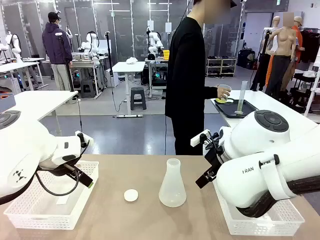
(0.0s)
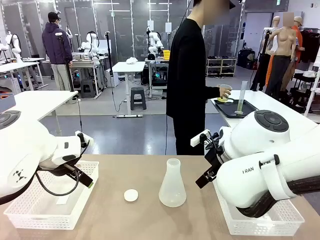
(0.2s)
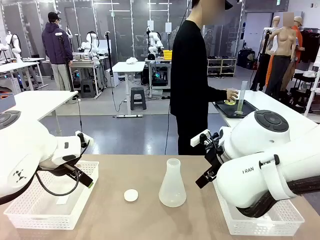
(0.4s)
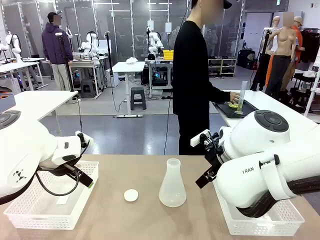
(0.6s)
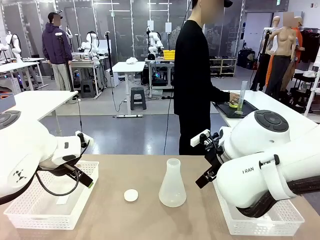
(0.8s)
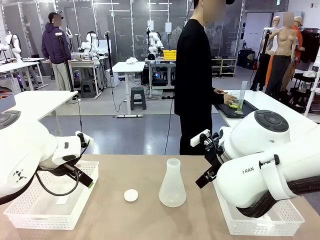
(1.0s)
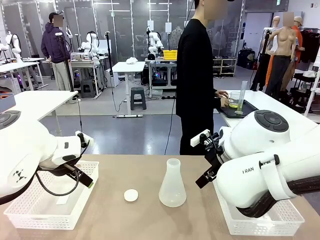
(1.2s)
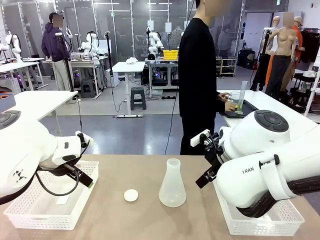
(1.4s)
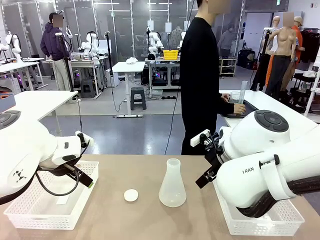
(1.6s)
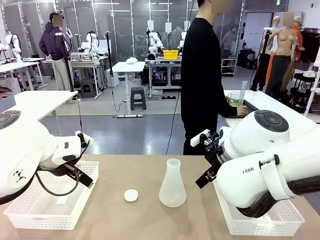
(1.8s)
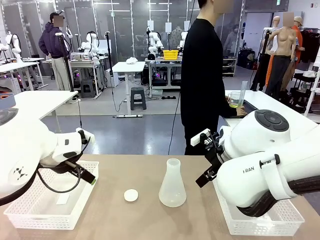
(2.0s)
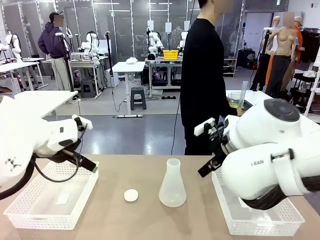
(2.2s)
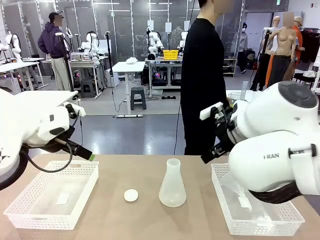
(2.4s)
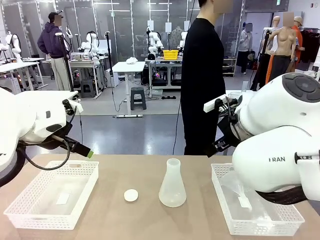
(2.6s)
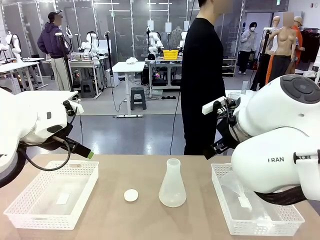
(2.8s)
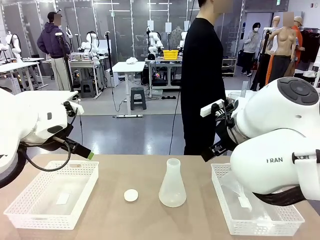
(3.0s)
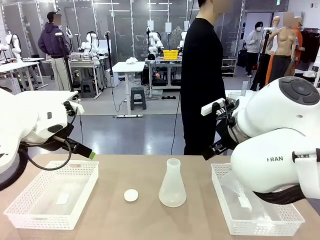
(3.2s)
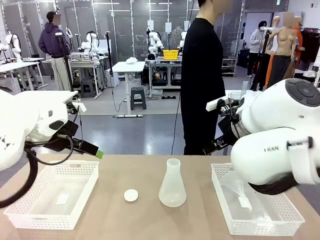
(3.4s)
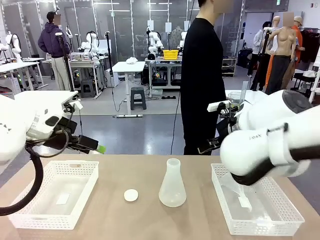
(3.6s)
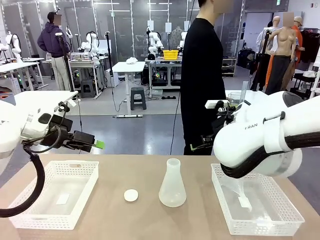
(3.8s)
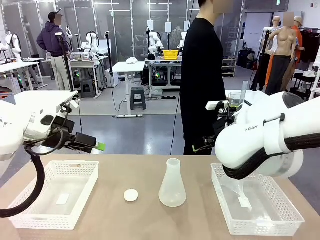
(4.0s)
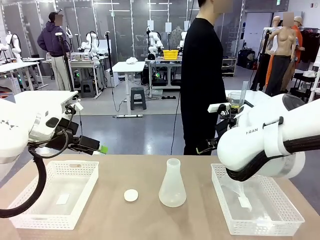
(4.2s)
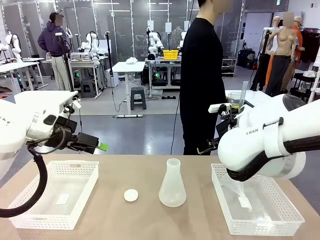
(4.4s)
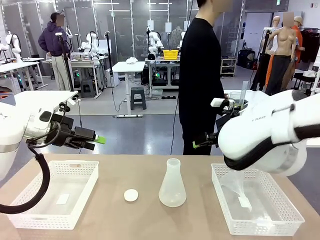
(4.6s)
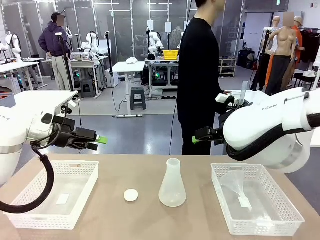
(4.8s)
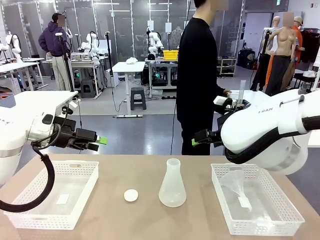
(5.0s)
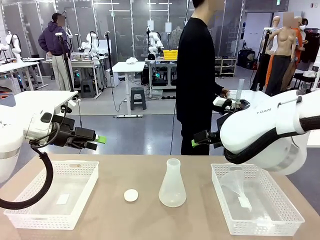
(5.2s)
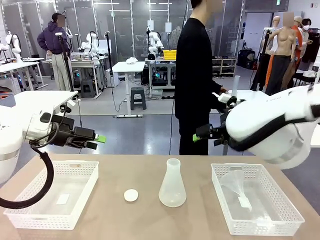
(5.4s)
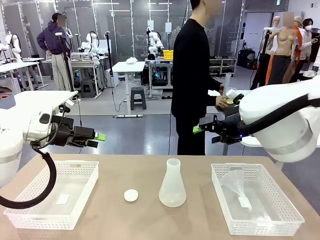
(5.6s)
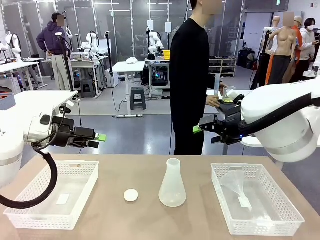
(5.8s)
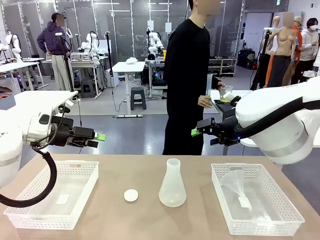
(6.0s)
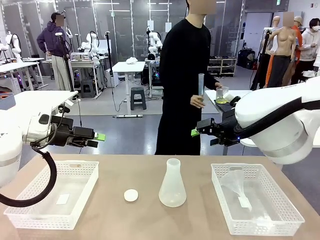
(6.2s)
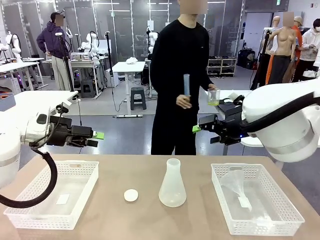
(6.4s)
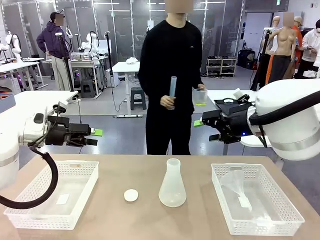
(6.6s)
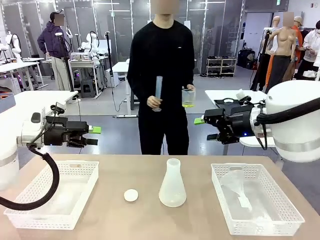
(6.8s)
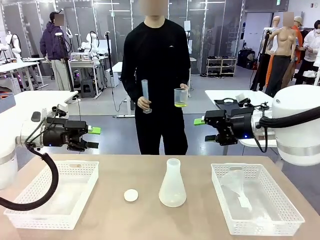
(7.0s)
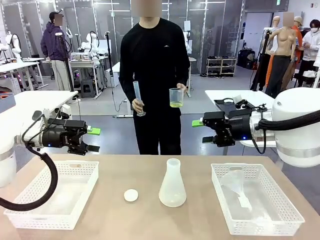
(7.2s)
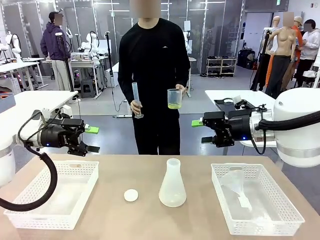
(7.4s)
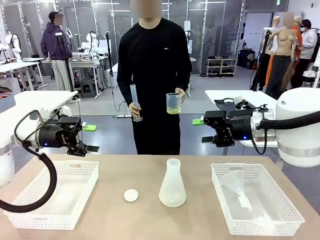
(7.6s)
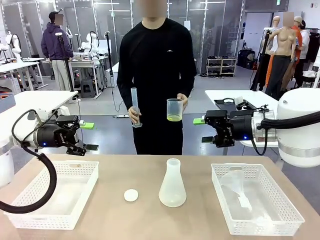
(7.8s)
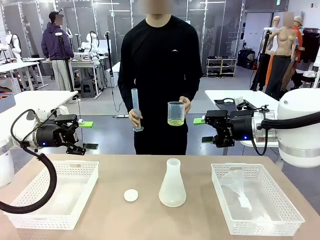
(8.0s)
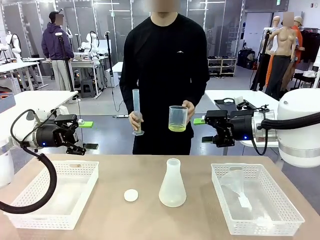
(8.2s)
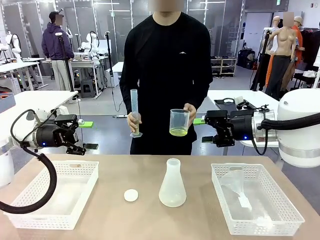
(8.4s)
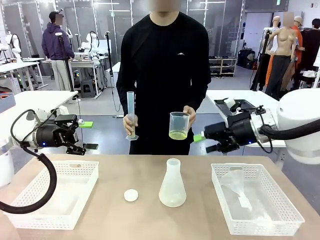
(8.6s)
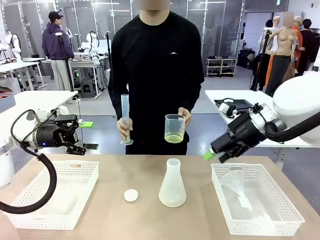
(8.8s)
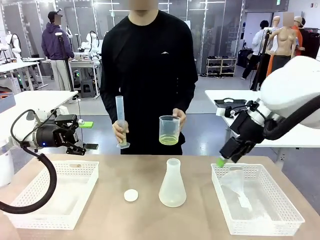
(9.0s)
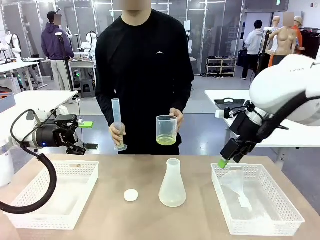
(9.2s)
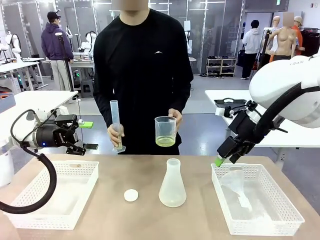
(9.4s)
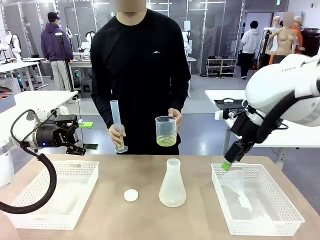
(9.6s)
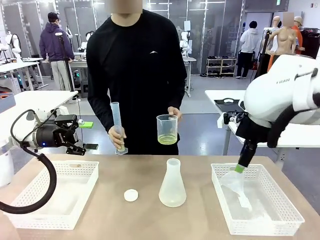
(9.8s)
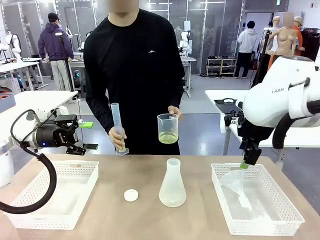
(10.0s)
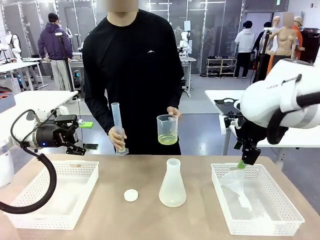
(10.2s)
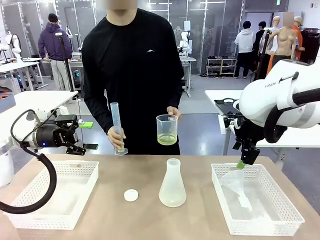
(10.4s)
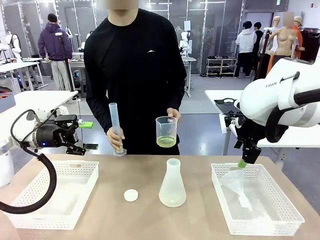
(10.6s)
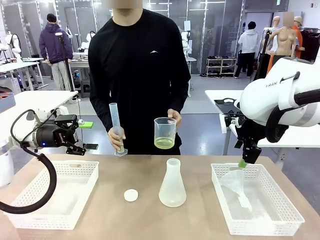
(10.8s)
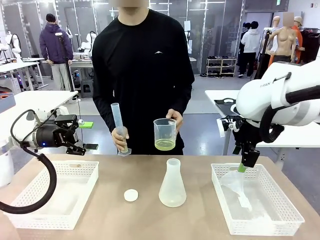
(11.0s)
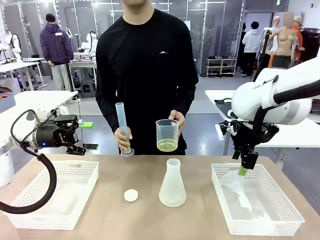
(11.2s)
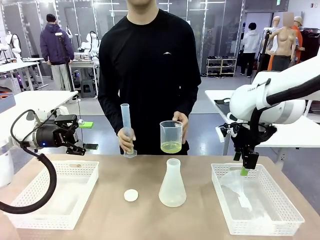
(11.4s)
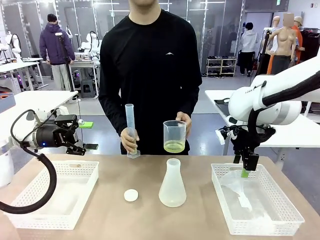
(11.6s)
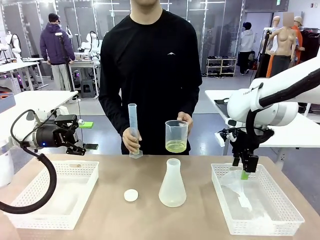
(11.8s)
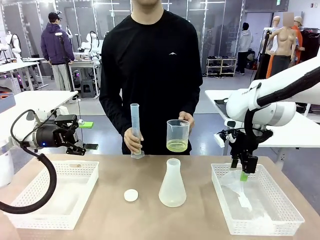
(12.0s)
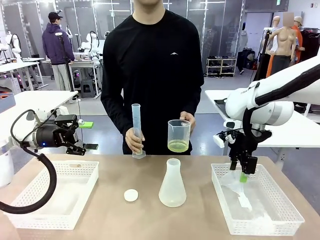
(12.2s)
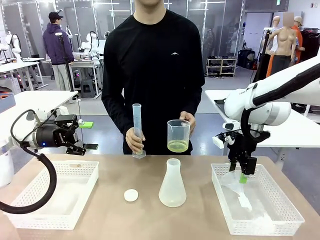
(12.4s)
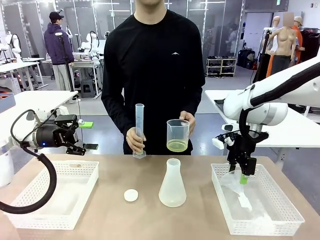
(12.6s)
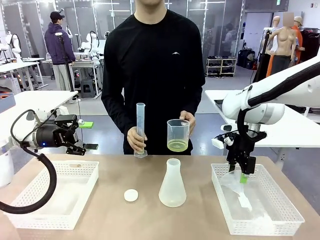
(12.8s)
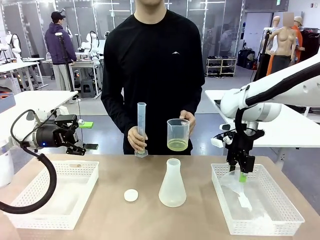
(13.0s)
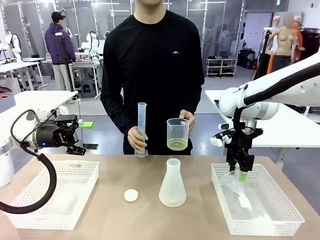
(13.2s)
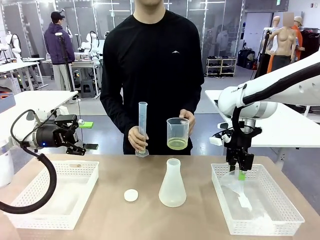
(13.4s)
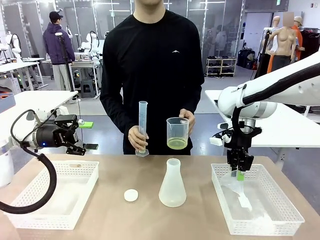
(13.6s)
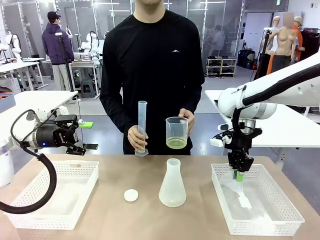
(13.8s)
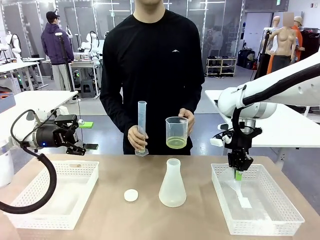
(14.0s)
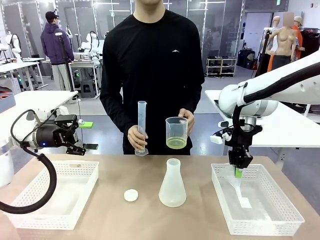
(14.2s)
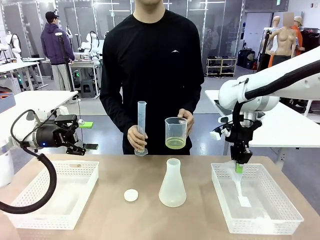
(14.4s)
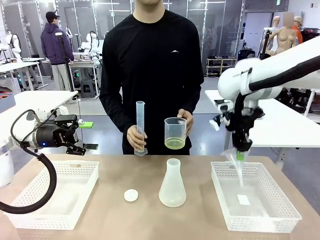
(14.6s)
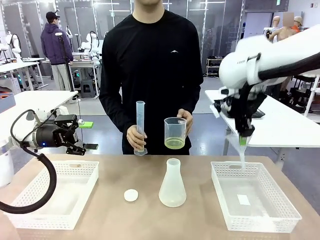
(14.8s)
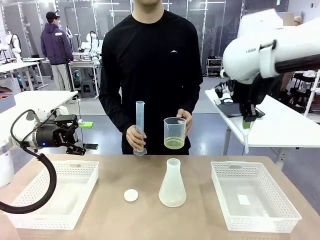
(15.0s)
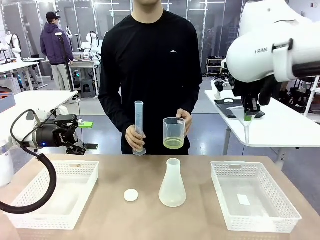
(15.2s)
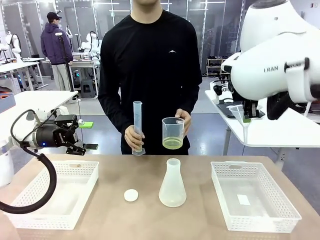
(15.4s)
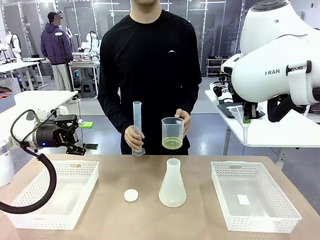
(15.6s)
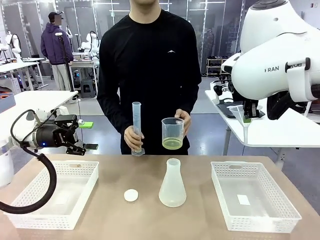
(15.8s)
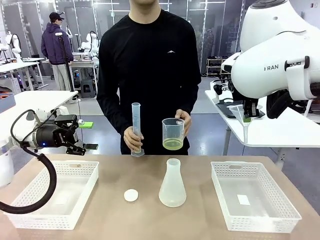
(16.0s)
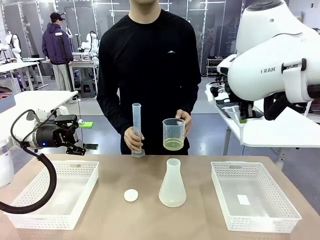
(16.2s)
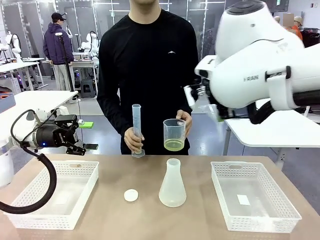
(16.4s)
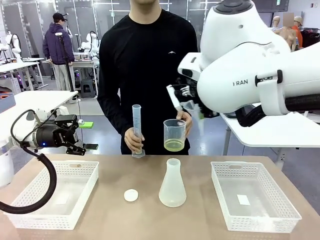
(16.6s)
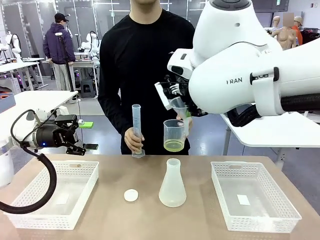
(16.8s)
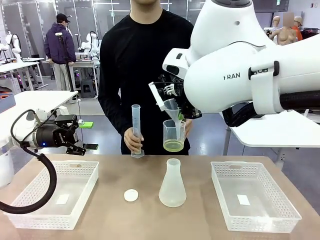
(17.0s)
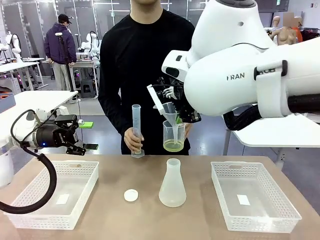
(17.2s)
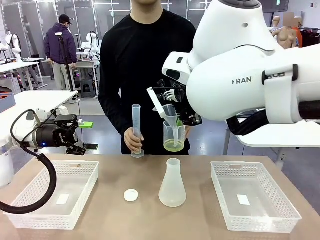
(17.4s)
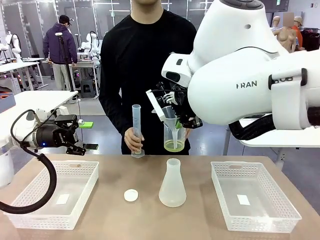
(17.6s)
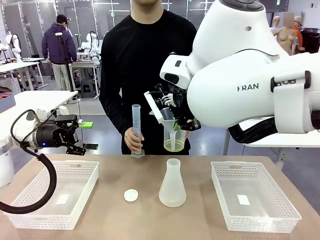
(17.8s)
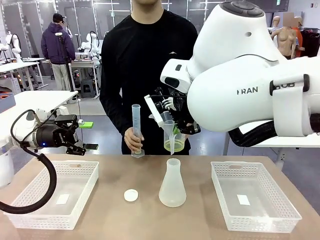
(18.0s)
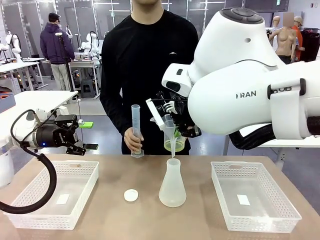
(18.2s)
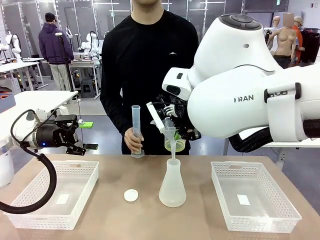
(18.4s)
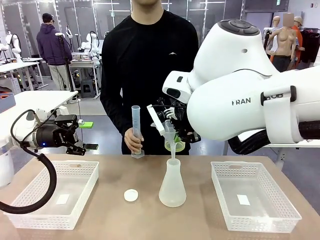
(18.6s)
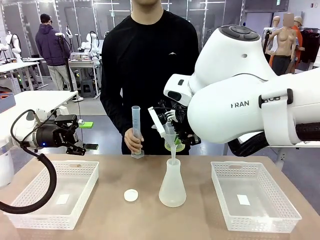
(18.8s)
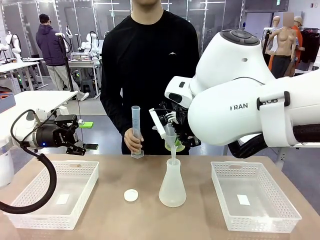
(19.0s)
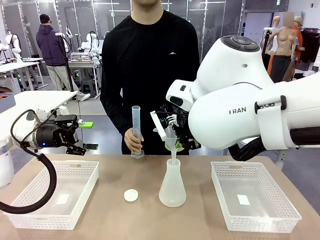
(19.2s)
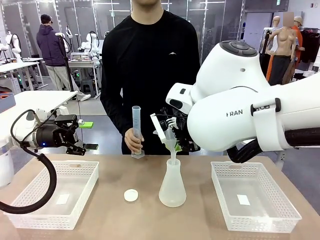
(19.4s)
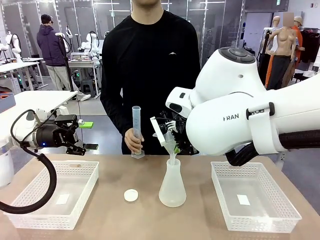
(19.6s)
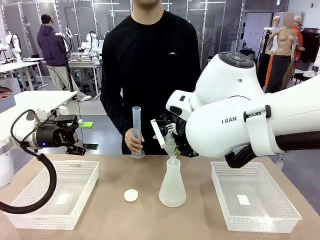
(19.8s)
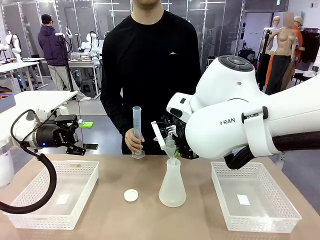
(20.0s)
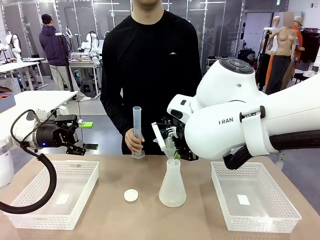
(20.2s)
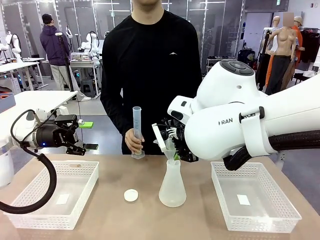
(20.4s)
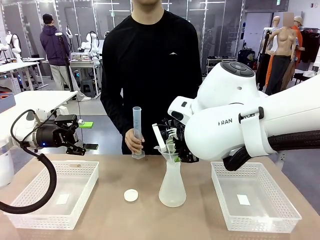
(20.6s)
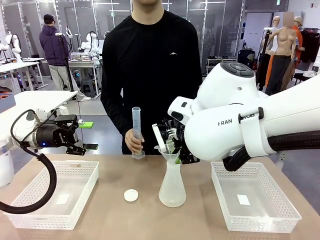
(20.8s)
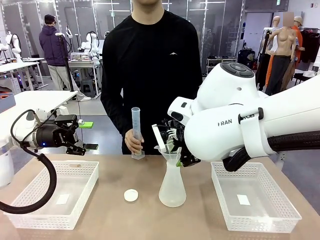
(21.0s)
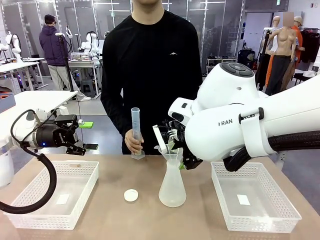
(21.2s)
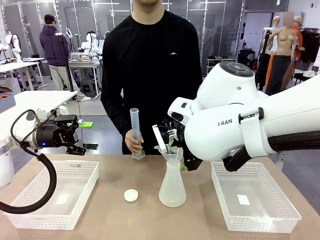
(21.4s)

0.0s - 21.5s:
Task: Prepare the solutions needed for the experiment.
Robot: Pick up the Plastic Funnel and insert it into the Big flask.
Person: Pick up the beaker and the cylinder and move to the middle of the robot table. Pour the solution from the beaker and the cylinder into the flask.
